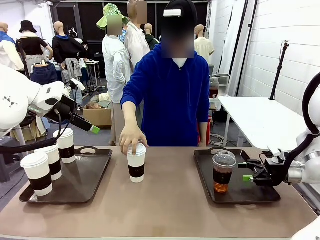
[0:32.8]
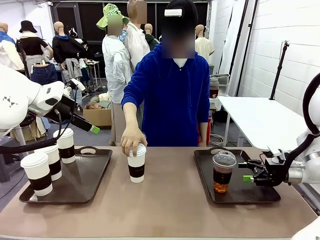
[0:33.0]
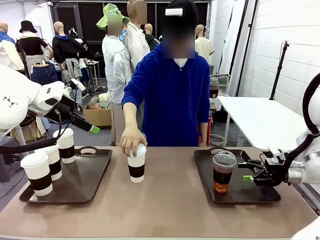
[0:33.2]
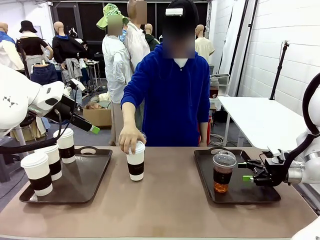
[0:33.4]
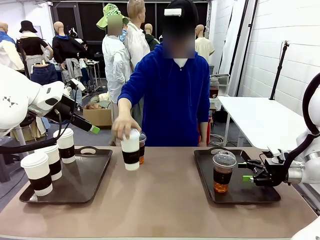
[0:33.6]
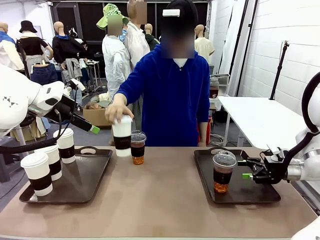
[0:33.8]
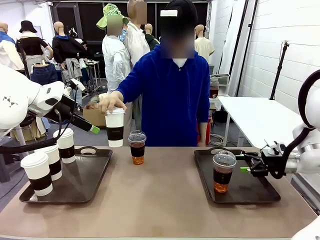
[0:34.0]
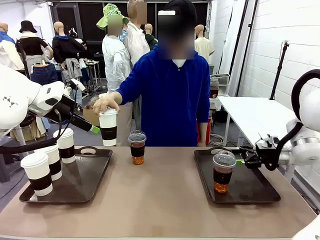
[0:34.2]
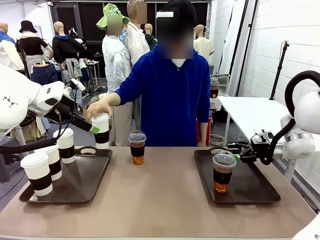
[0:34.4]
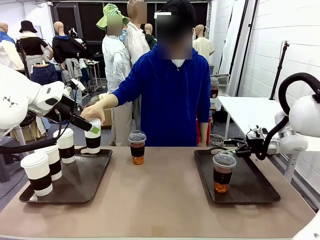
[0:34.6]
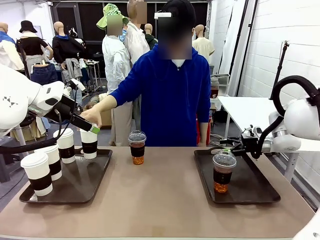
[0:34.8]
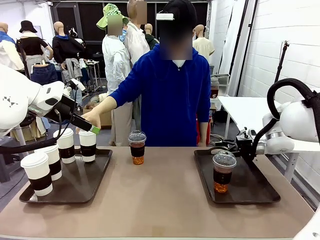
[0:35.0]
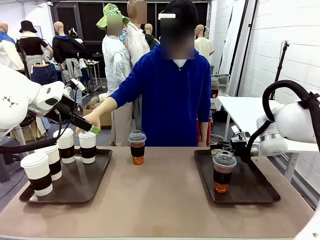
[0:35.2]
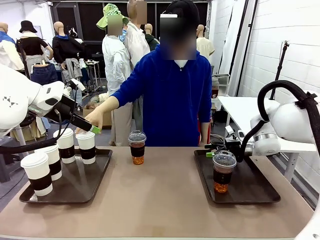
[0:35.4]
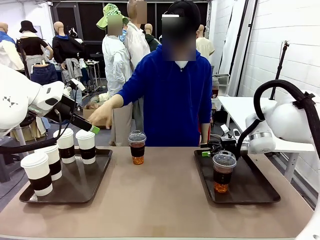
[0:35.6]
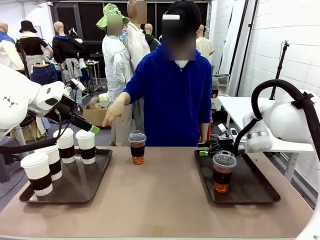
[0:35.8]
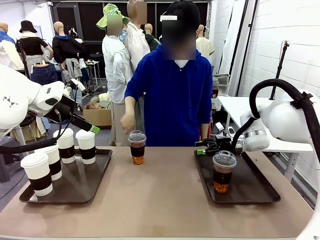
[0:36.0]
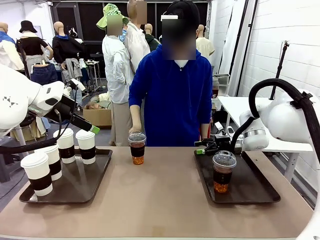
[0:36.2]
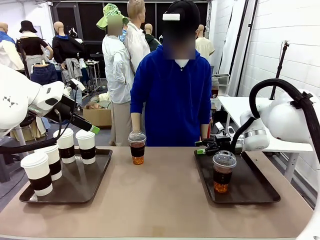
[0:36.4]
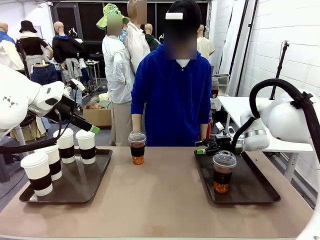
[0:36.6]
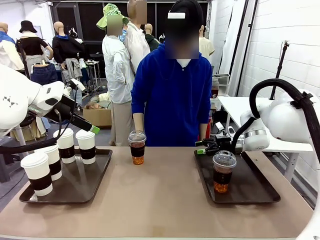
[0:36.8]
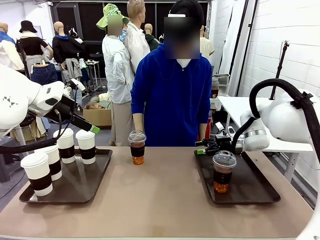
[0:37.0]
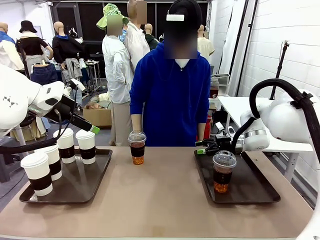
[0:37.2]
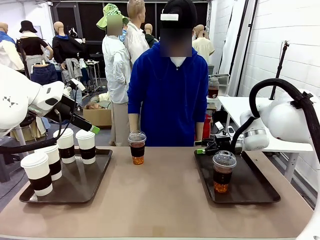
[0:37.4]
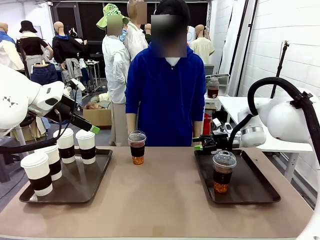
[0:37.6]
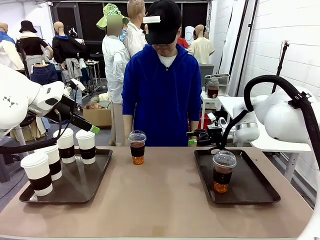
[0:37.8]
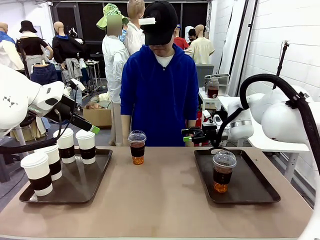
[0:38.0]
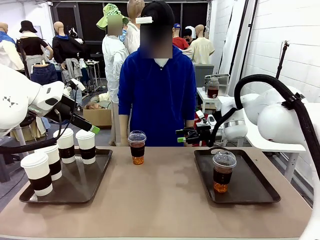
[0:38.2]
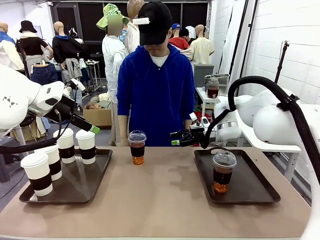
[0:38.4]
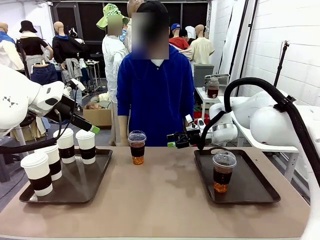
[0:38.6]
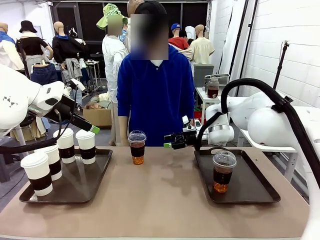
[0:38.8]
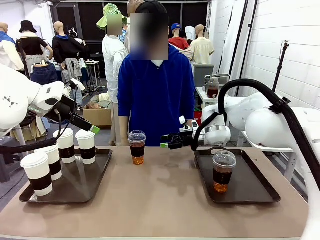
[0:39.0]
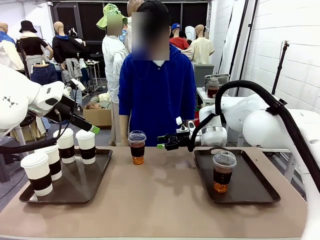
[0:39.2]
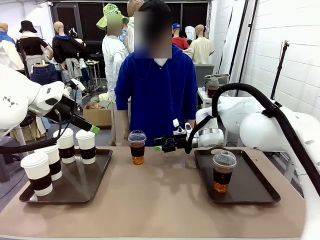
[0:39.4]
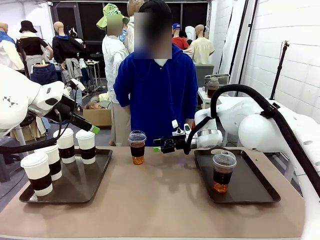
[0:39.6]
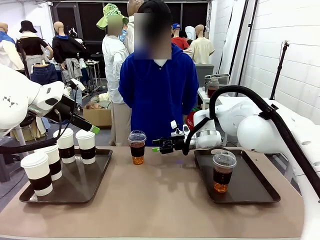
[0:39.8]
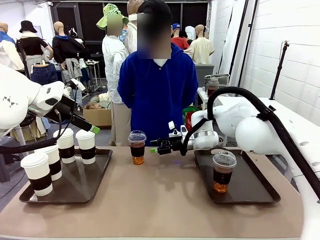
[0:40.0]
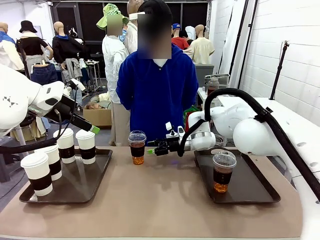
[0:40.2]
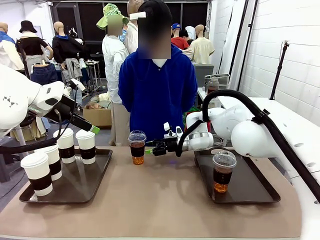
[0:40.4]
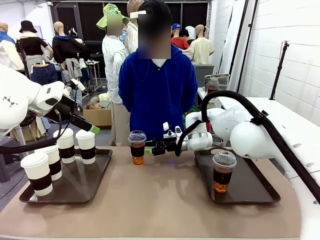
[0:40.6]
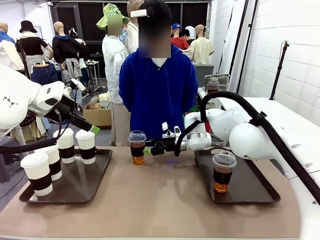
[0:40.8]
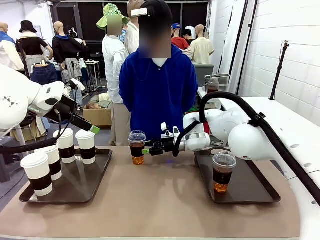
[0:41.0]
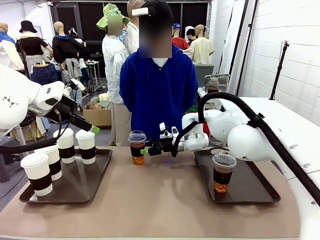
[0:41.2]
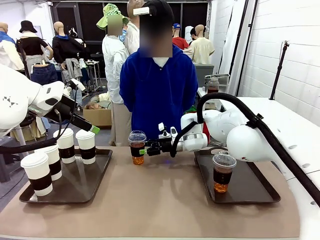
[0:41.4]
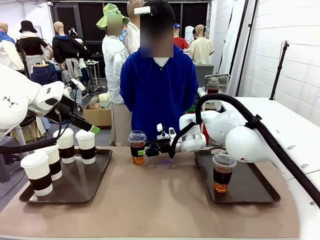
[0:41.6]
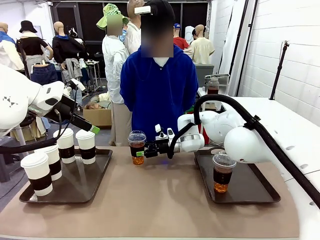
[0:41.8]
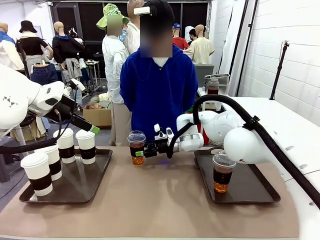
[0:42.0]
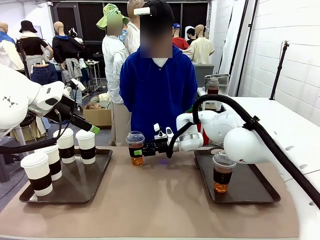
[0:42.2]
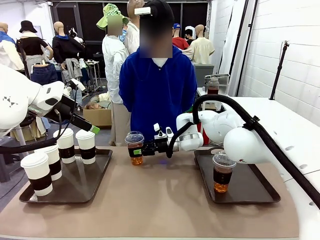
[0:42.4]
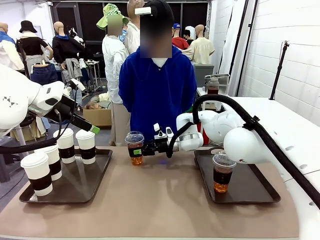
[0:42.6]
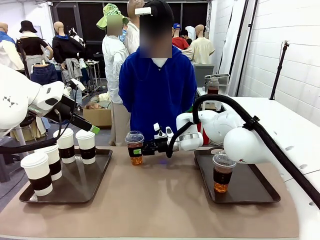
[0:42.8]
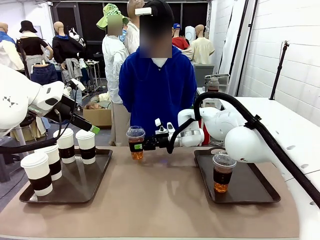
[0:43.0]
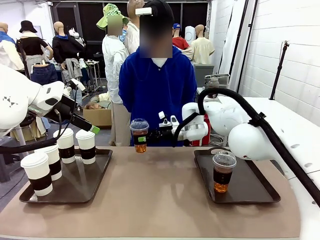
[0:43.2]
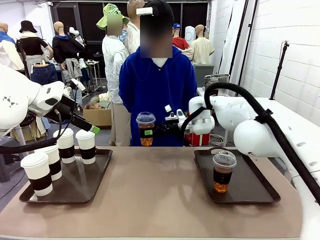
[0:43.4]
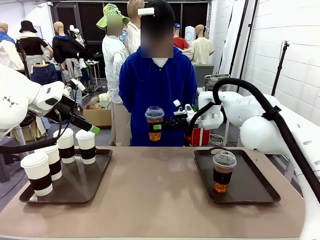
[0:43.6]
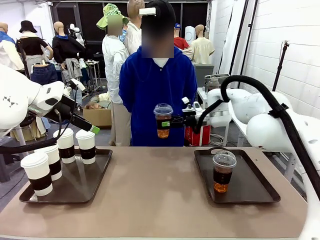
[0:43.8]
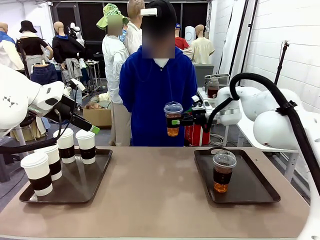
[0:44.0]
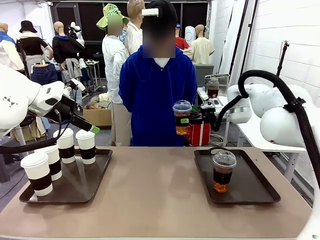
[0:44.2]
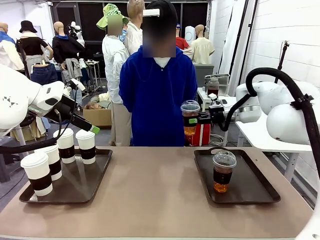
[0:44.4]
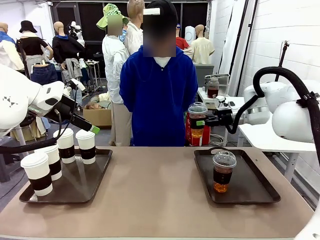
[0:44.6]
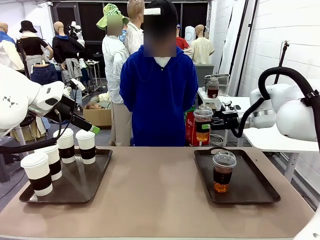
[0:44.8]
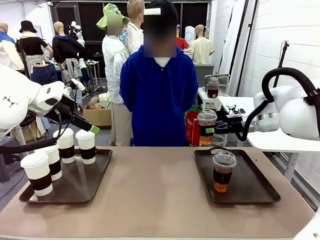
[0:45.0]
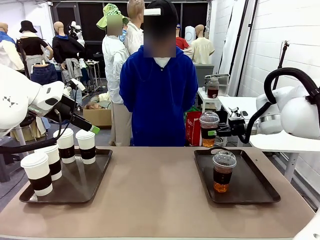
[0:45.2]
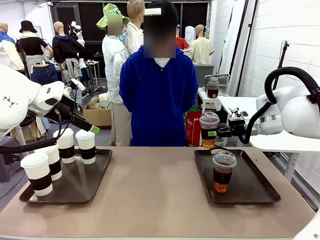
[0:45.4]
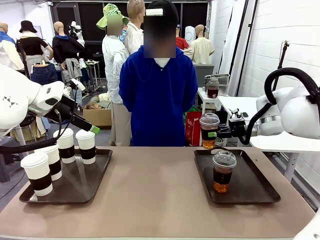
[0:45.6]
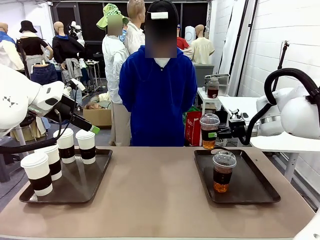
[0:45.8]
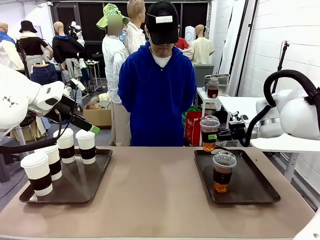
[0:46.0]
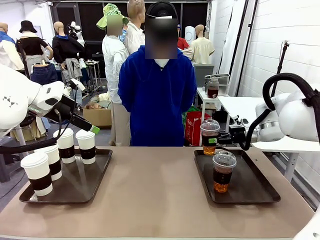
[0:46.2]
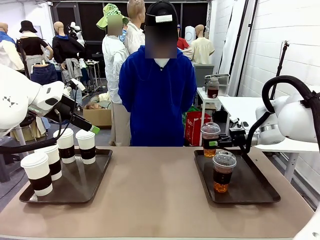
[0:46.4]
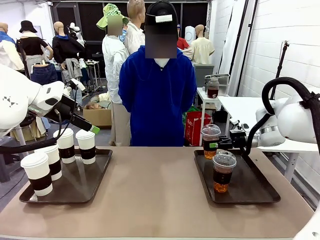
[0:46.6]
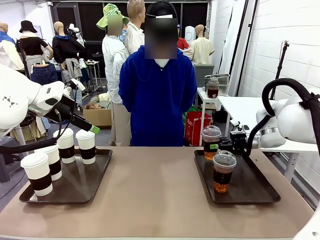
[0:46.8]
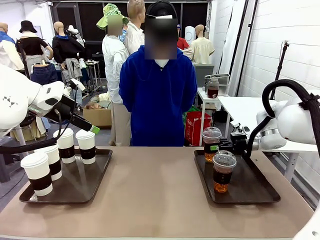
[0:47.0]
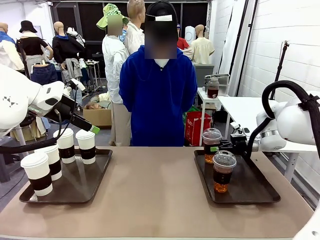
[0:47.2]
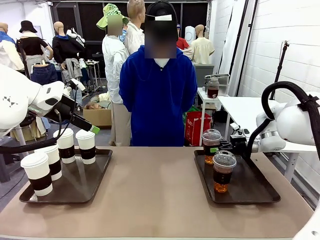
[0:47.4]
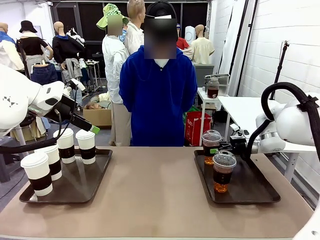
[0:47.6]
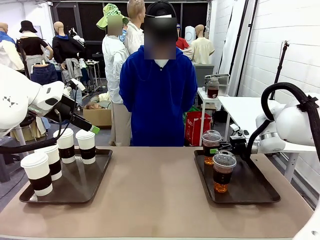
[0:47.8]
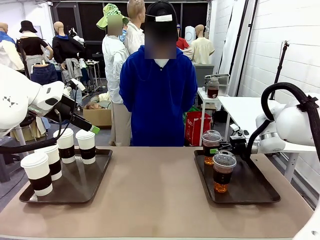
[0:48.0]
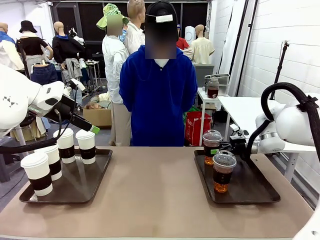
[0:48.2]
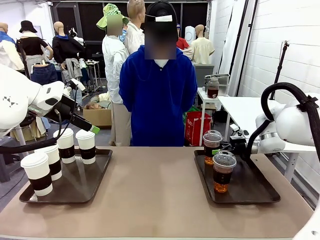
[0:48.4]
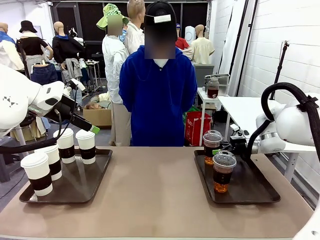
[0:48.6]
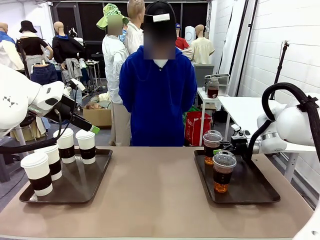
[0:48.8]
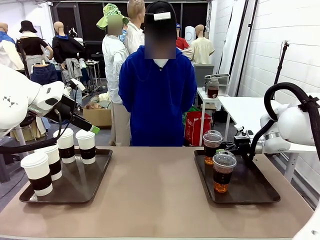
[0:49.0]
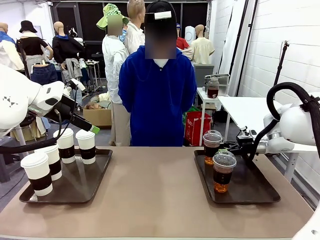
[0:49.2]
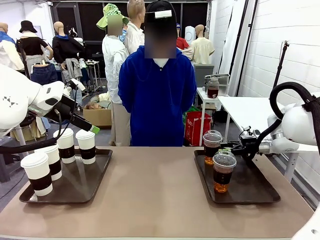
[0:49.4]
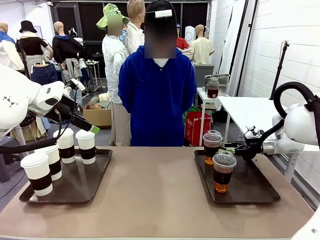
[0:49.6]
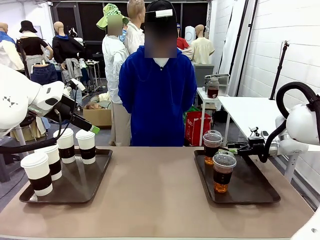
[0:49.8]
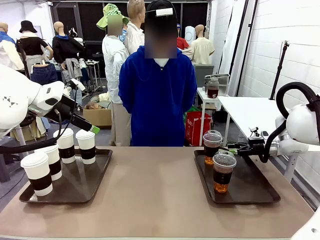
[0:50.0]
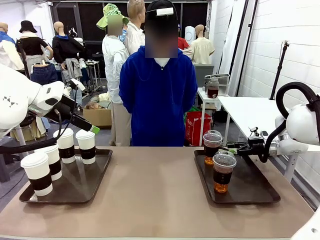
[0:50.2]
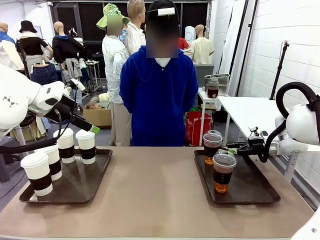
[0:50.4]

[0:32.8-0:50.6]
Task: Distribute the coffee onto the tray.
Robot: Pick up another iced Americano from the middle of the table and place it on the right Handle tray.
